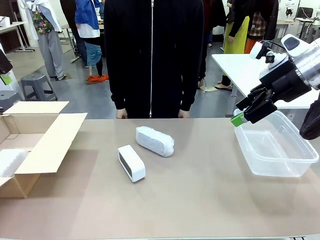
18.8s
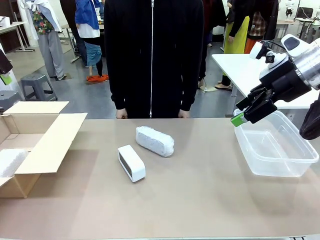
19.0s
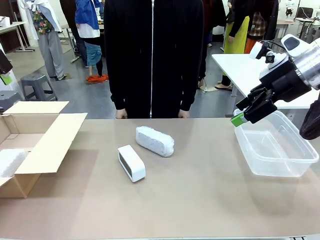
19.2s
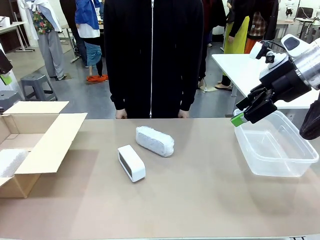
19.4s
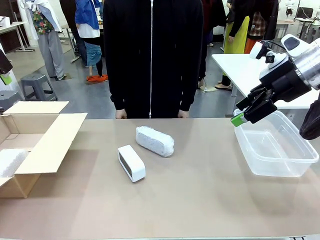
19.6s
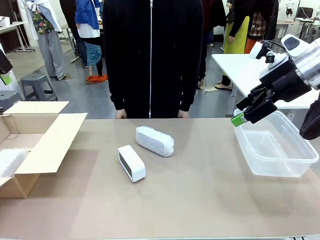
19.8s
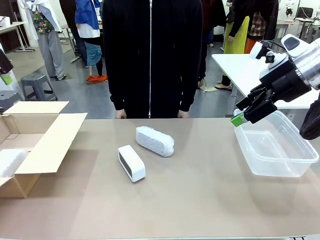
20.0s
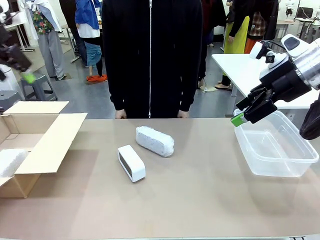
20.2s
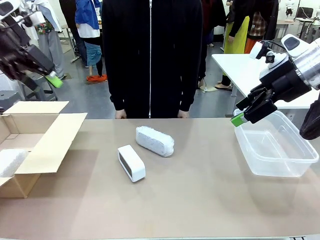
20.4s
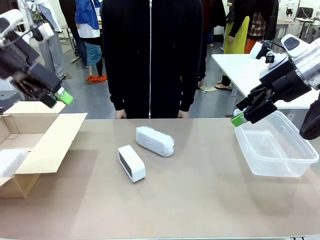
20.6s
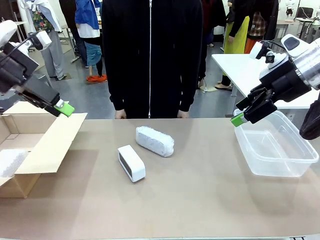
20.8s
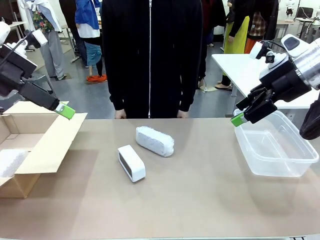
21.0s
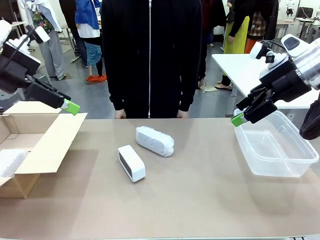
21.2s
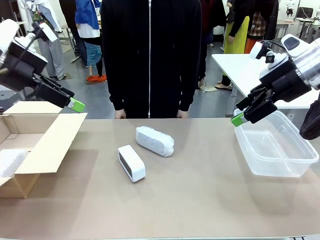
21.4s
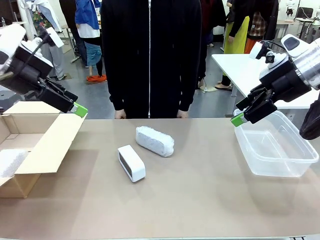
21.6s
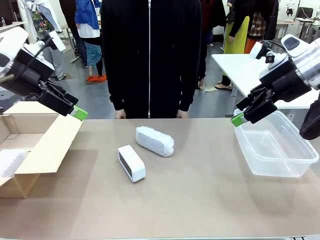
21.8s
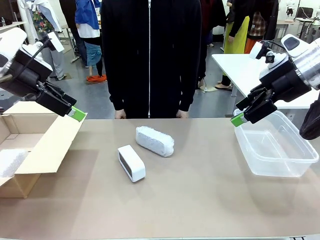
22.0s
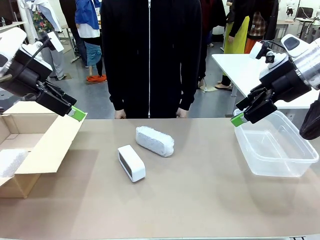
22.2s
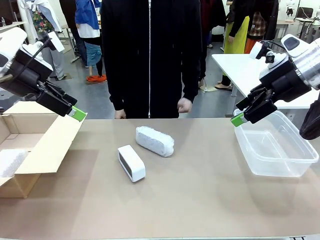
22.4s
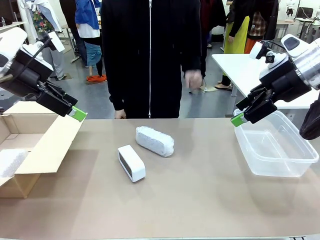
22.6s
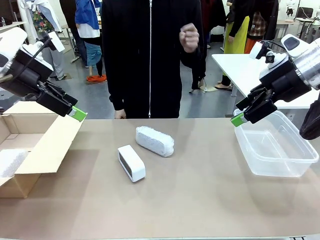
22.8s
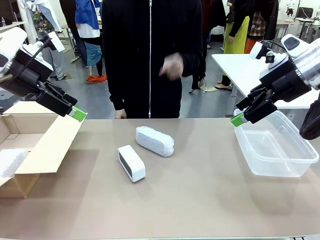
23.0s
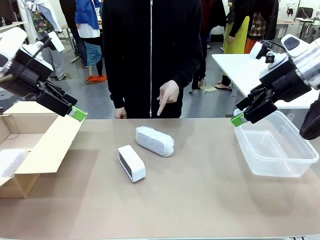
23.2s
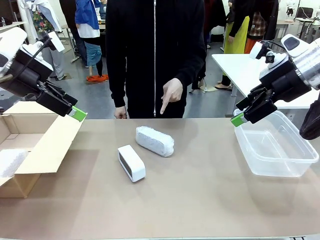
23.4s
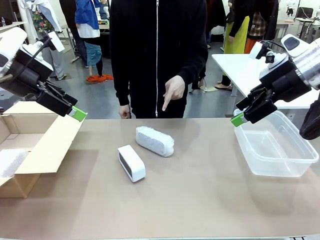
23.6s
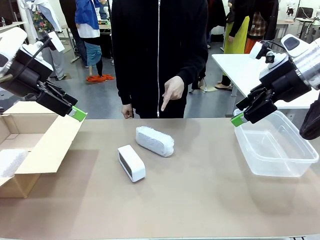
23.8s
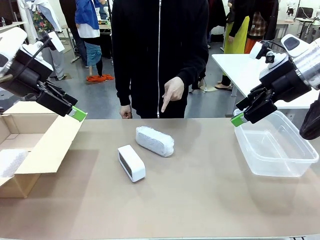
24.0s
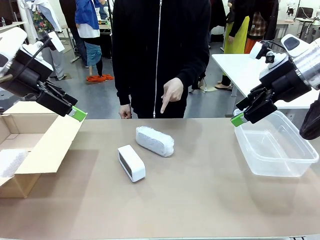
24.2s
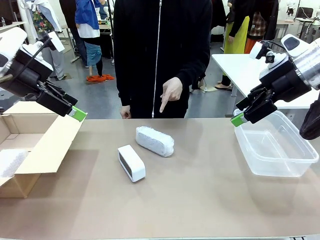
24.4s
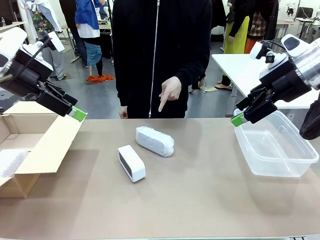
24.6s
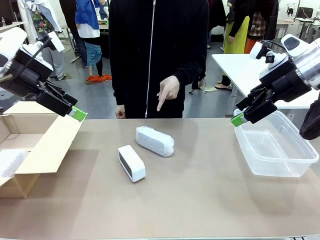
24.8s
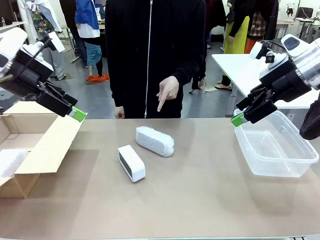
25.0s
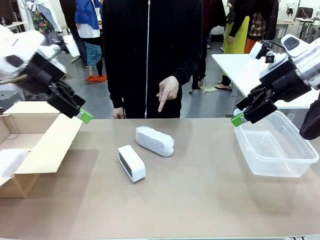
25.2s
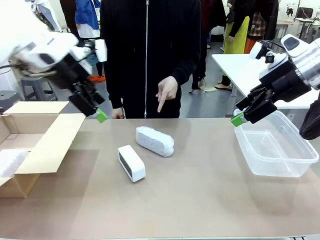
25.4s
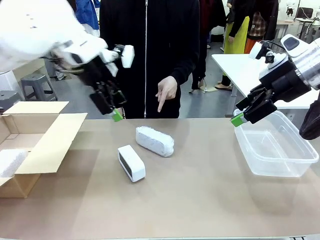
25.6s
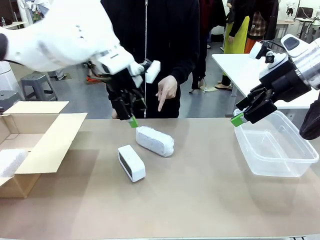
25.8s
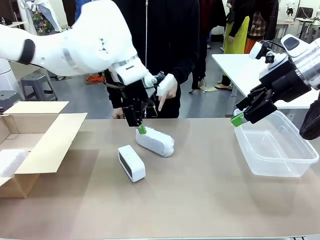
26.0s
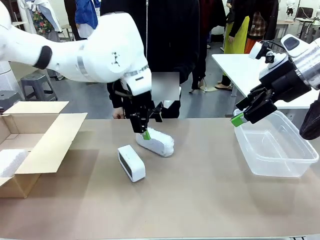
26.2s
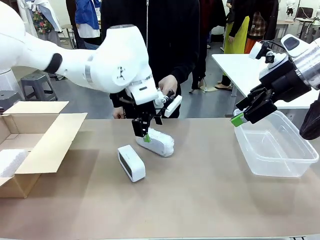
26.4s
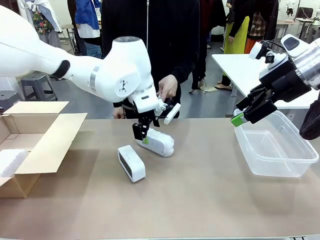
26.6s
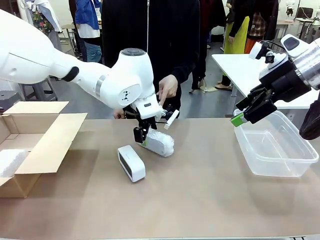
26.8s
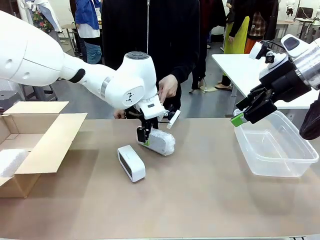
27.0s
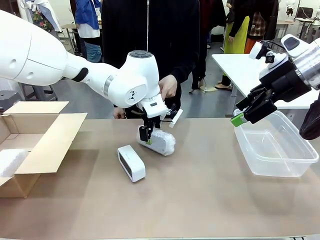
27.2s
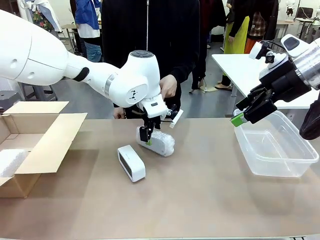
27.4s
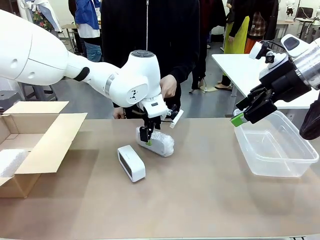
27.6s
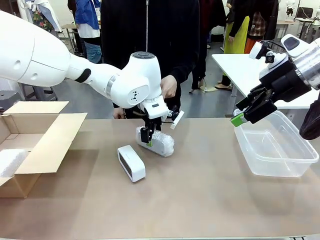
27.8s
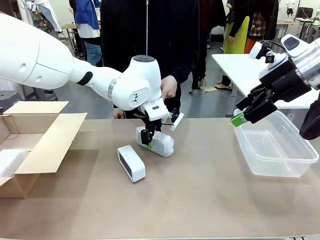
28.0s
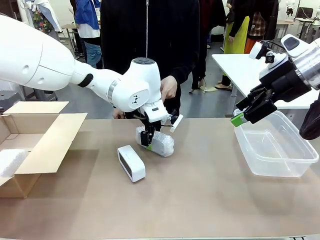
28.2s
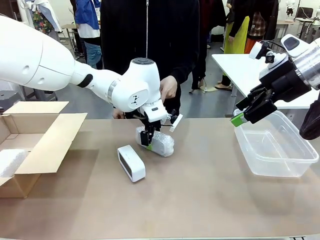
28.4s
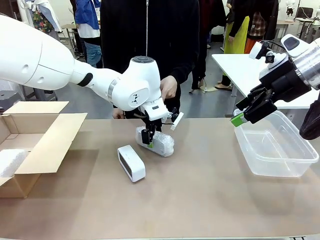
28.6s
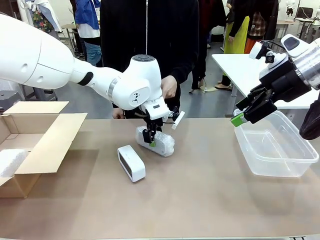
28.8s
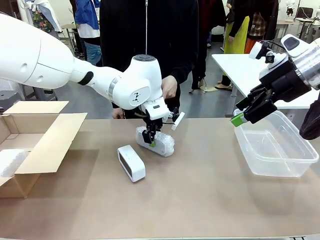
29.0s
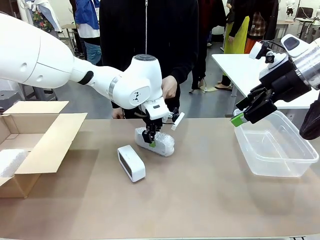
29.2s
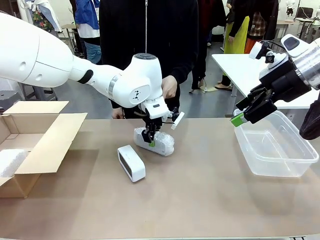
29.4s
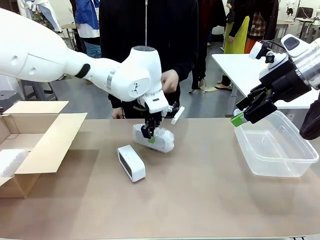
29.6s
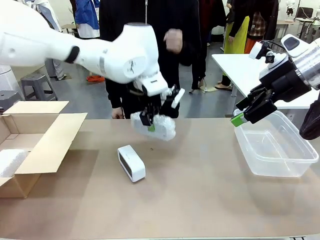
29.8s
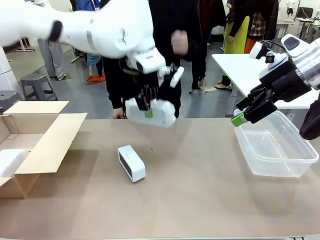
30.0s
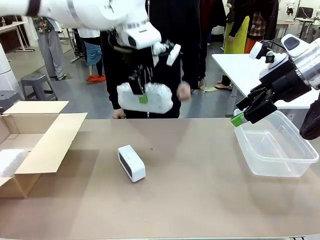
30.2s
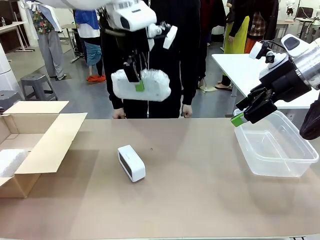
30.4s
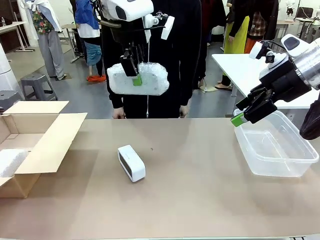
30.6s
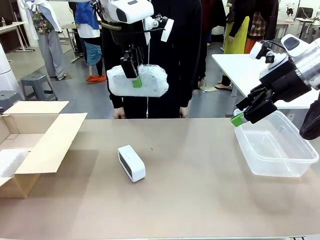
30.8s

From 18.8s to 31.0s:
Task: Separate and place wrapped and unwrapped clocks.
Robot: Pick up the Digital clock indicated by the person.

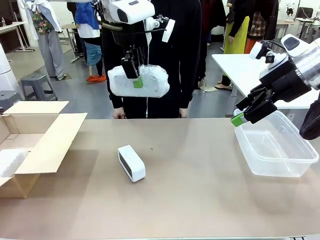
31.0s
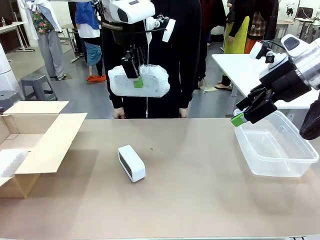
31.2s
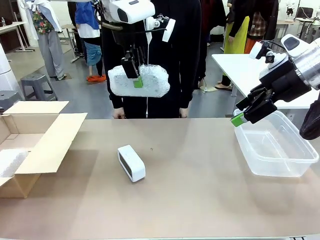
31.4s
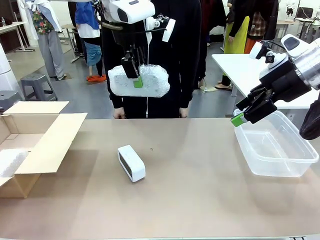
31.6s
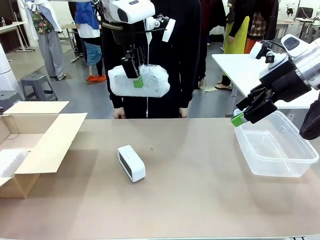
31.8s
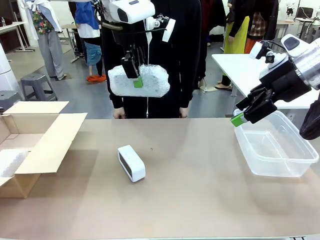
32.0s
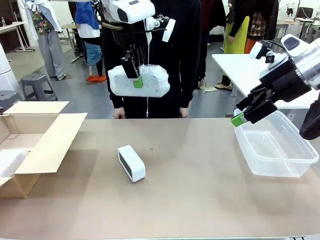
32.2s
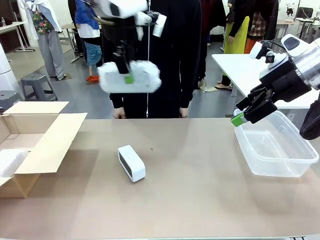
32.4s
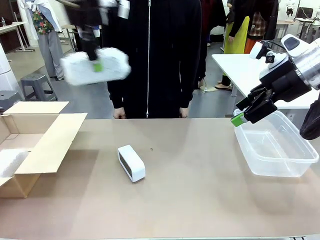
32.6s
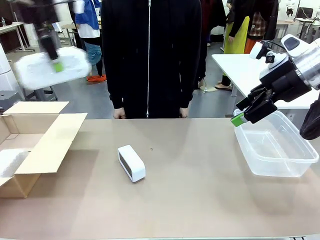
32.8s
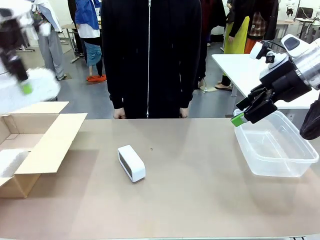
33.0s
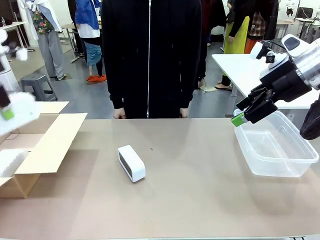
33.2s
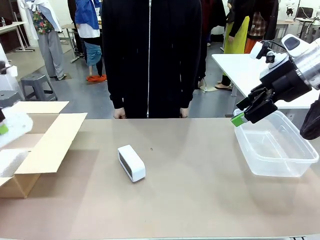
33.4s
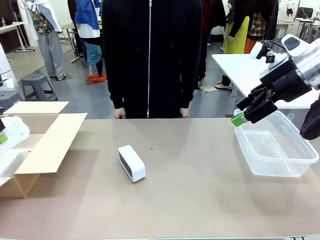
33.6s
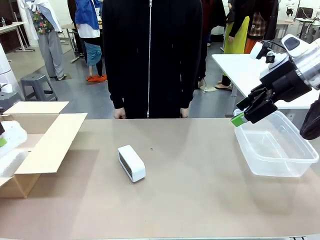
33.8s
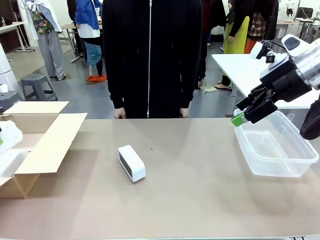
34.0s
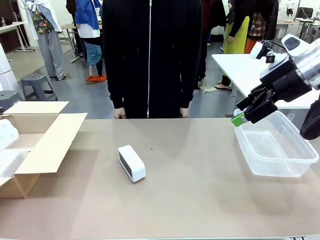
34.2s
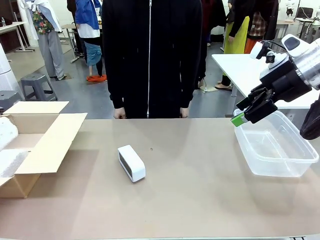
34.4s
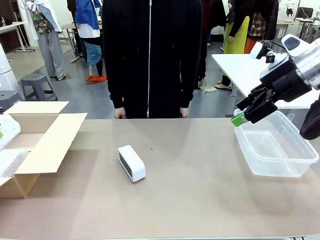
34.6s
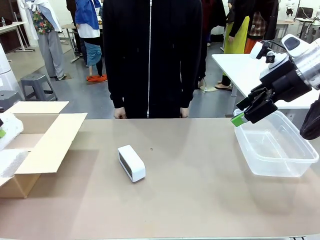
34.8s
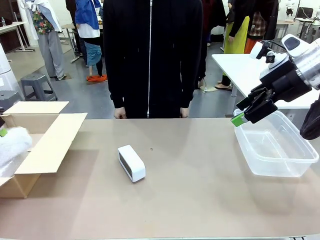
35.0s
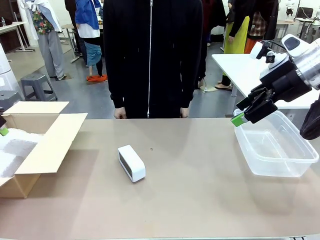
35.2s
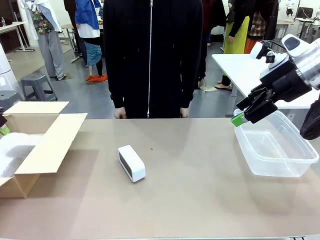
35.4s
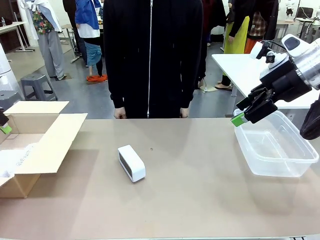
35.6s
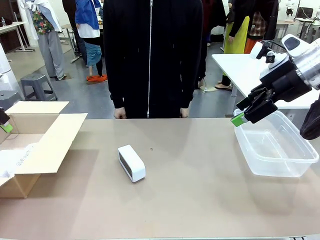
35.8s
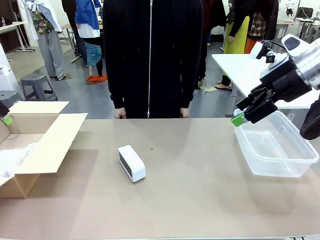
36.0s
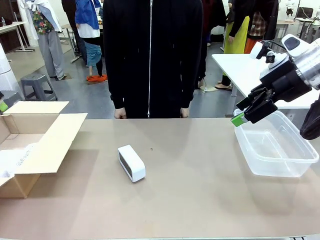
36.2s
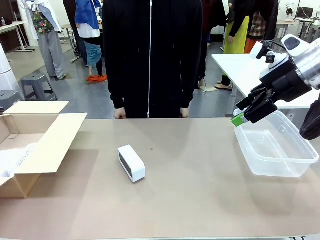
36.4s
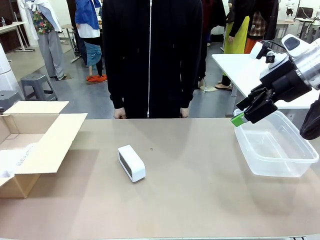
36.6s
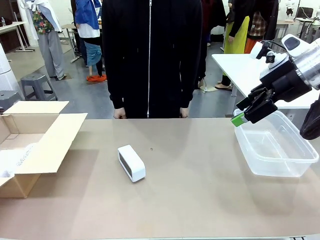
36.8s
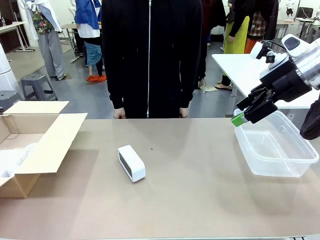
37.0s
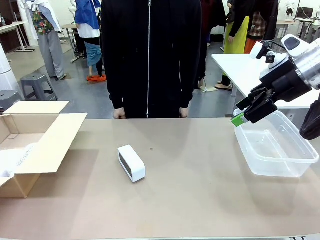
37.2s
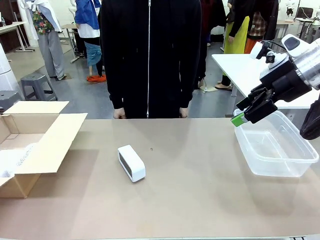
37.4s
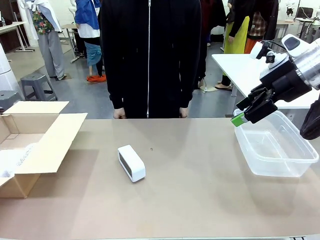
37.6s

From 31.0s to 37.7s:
Robot: If the picked Digital clock is wrapped, place it in the Package Box ; if not, place it in the Organizing box.
